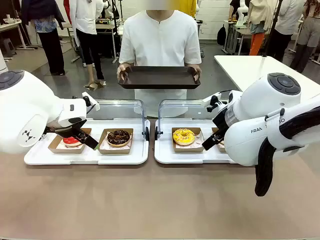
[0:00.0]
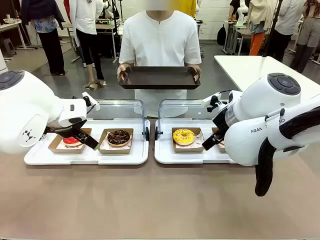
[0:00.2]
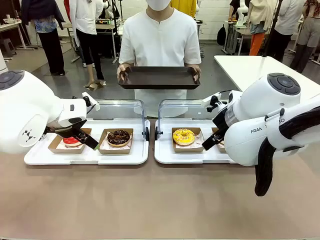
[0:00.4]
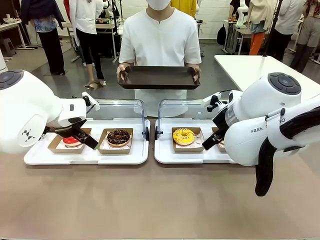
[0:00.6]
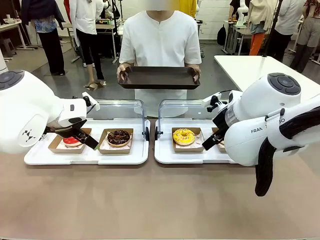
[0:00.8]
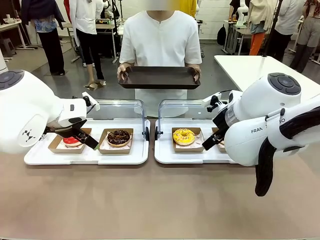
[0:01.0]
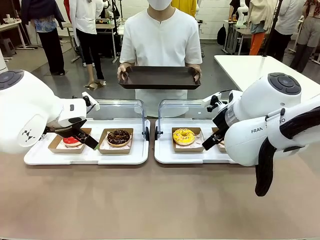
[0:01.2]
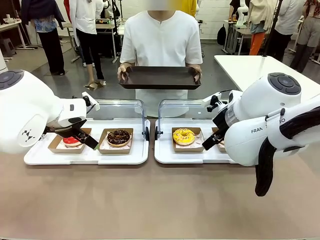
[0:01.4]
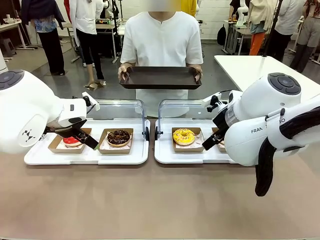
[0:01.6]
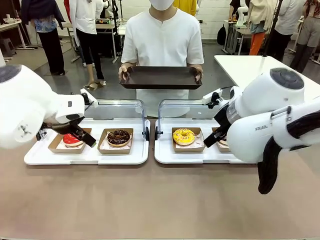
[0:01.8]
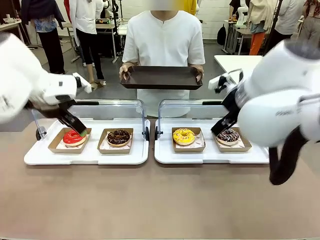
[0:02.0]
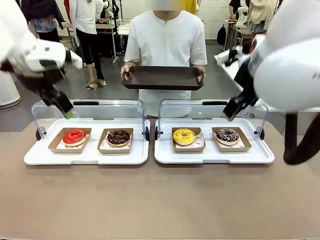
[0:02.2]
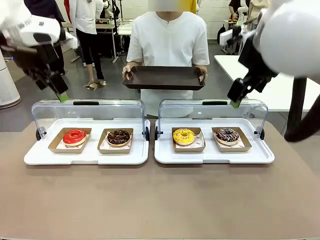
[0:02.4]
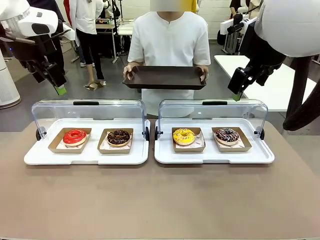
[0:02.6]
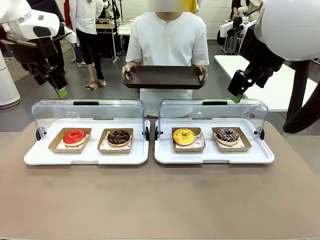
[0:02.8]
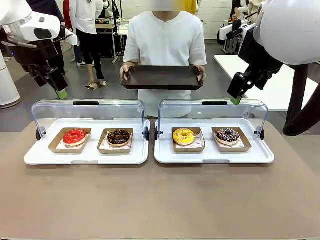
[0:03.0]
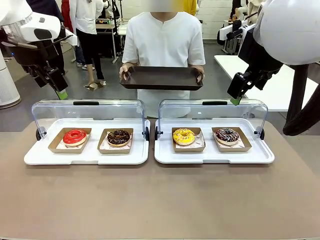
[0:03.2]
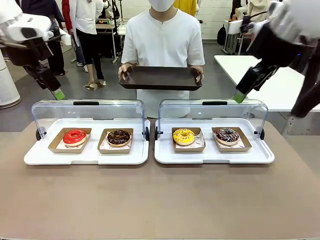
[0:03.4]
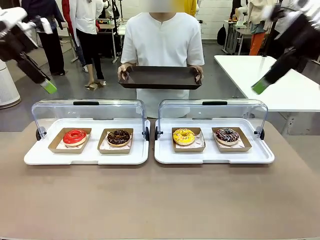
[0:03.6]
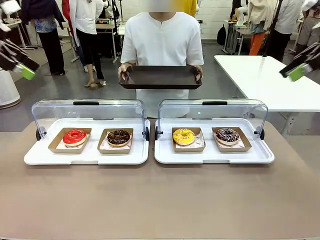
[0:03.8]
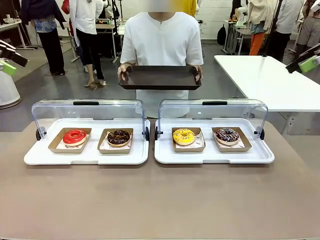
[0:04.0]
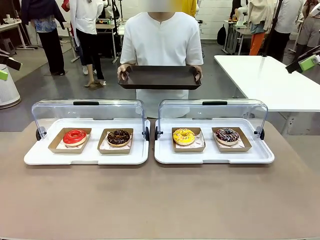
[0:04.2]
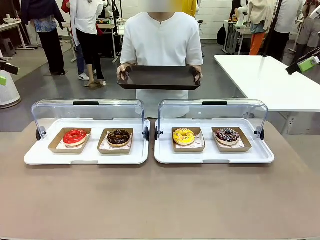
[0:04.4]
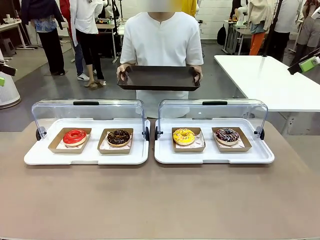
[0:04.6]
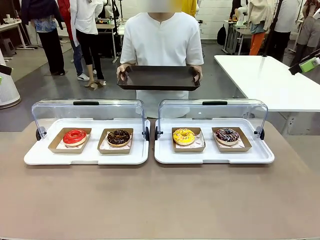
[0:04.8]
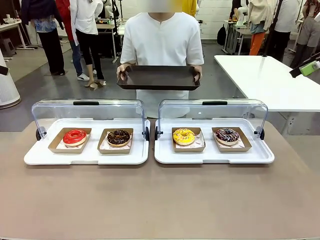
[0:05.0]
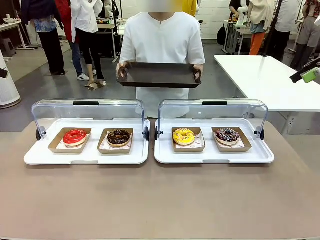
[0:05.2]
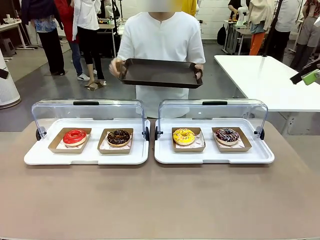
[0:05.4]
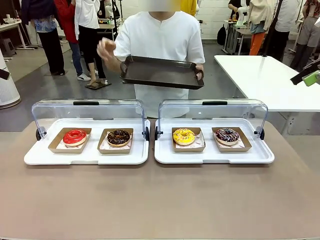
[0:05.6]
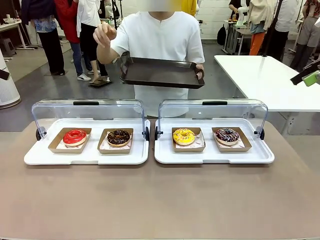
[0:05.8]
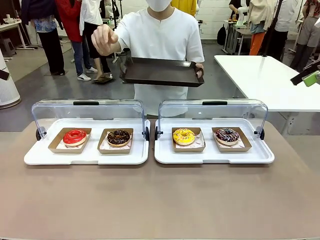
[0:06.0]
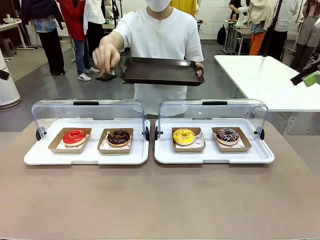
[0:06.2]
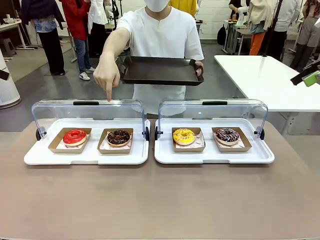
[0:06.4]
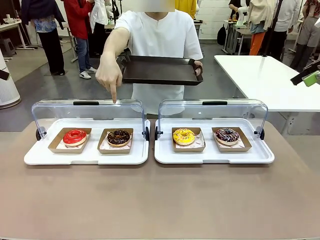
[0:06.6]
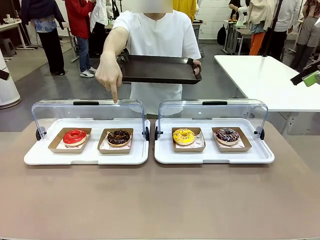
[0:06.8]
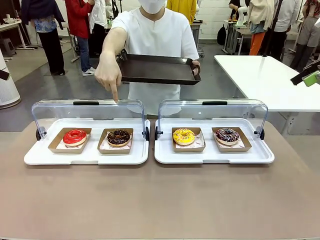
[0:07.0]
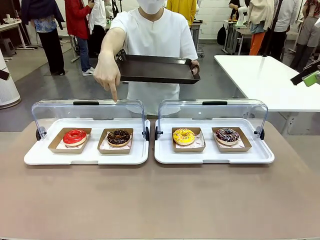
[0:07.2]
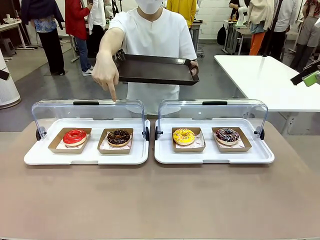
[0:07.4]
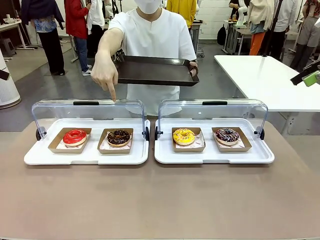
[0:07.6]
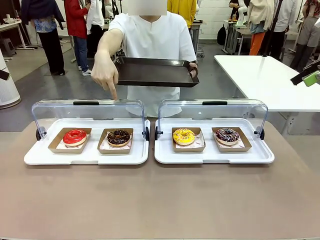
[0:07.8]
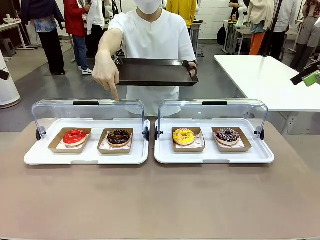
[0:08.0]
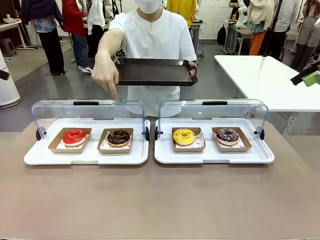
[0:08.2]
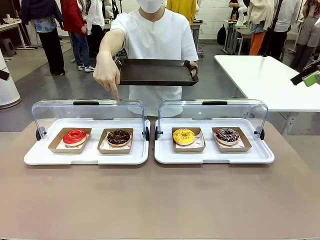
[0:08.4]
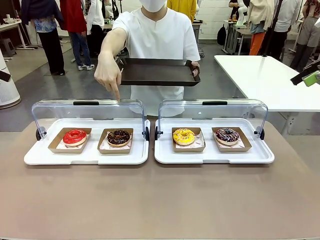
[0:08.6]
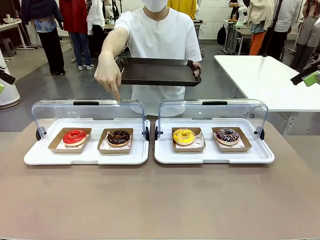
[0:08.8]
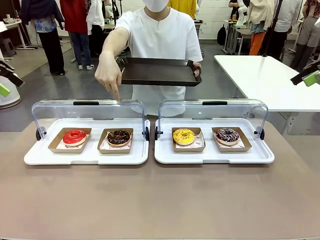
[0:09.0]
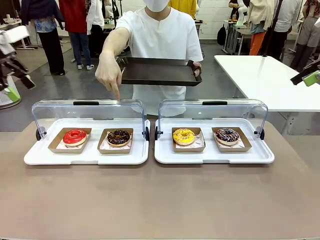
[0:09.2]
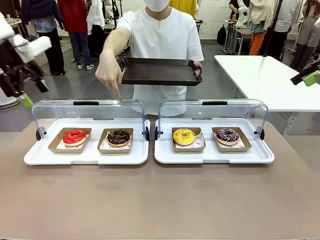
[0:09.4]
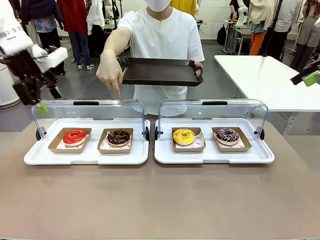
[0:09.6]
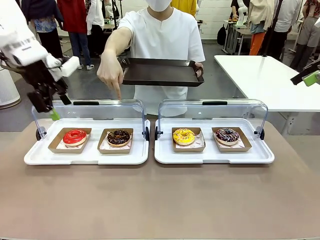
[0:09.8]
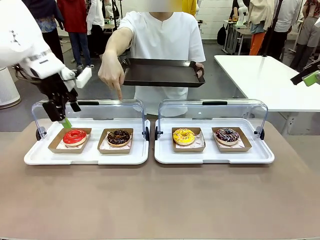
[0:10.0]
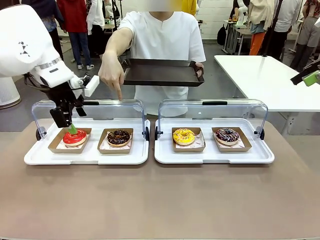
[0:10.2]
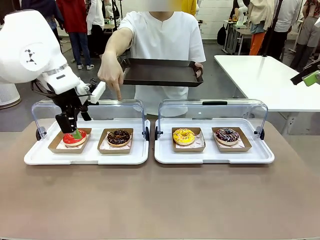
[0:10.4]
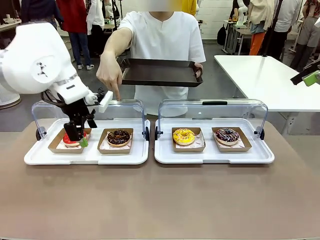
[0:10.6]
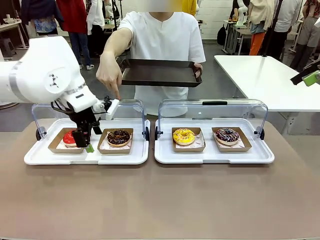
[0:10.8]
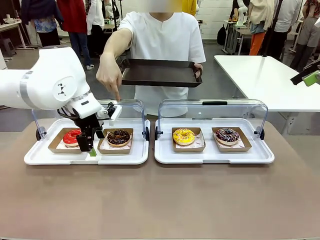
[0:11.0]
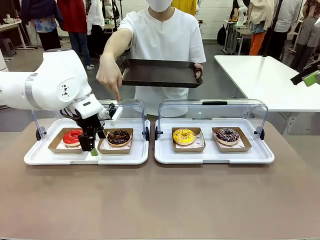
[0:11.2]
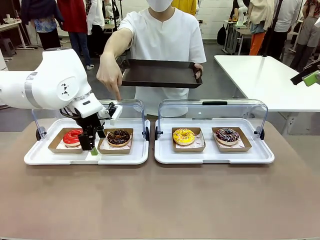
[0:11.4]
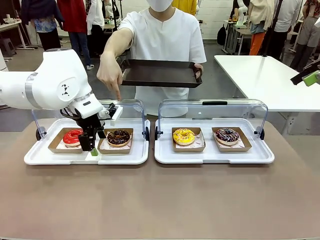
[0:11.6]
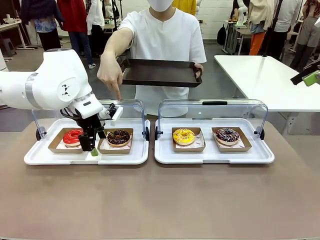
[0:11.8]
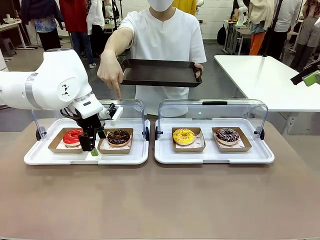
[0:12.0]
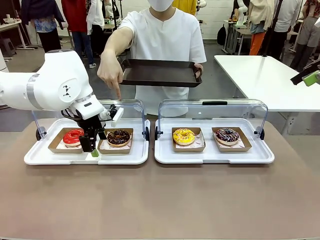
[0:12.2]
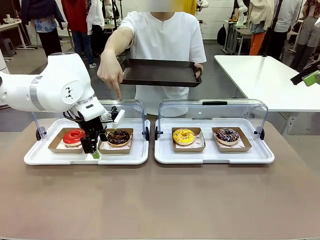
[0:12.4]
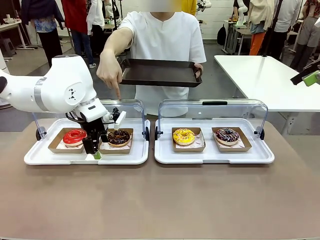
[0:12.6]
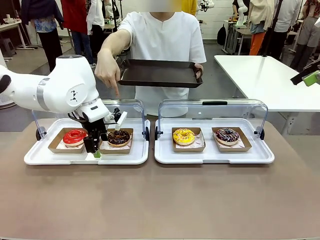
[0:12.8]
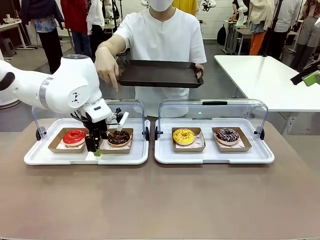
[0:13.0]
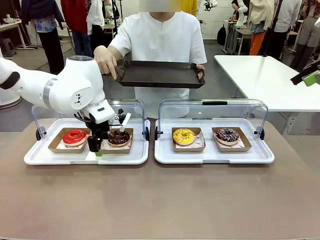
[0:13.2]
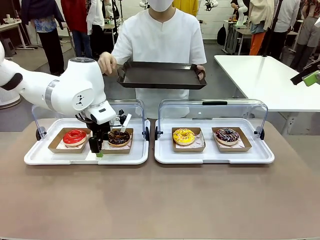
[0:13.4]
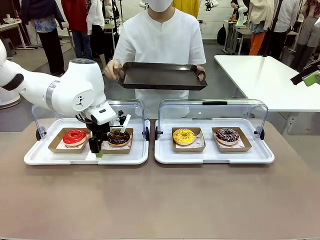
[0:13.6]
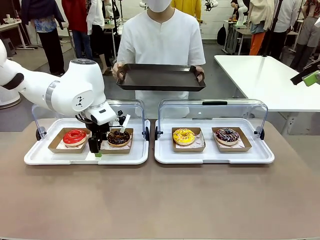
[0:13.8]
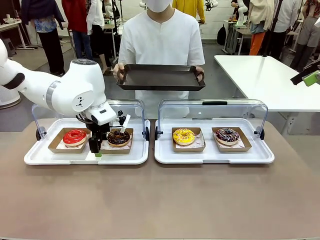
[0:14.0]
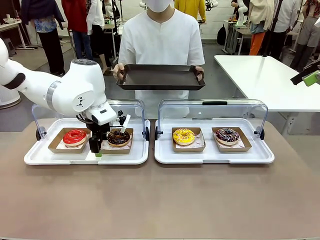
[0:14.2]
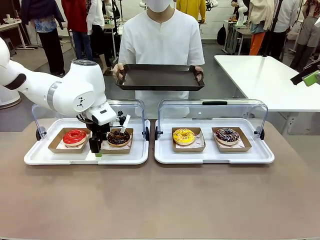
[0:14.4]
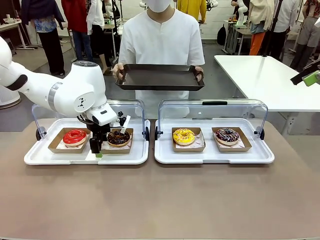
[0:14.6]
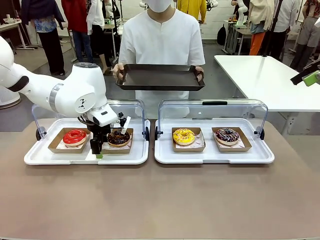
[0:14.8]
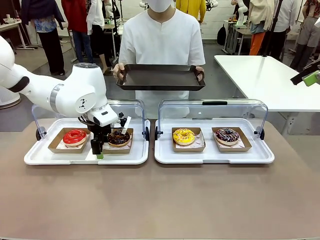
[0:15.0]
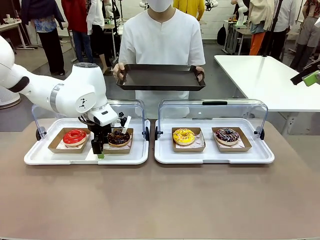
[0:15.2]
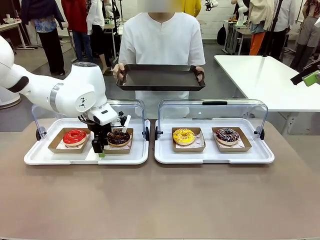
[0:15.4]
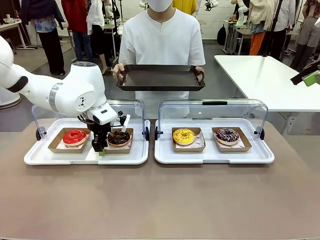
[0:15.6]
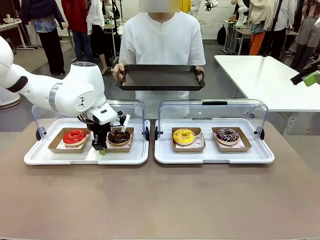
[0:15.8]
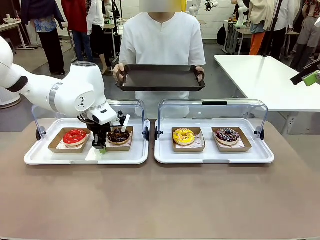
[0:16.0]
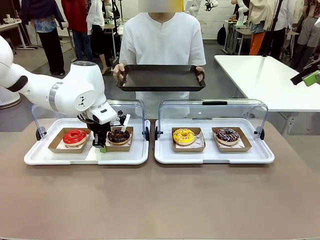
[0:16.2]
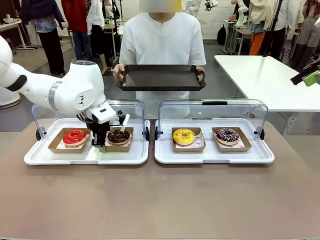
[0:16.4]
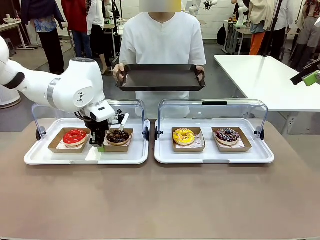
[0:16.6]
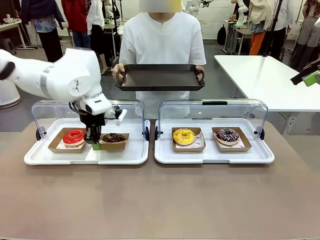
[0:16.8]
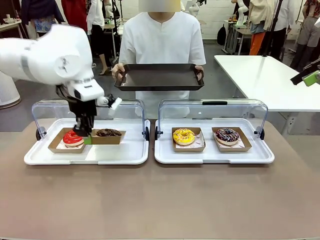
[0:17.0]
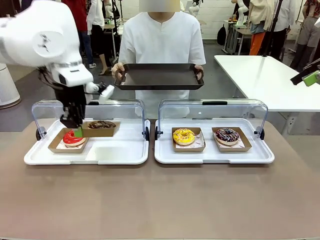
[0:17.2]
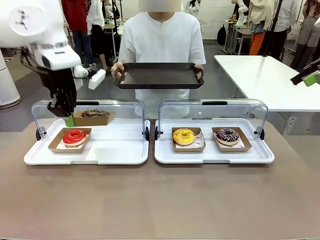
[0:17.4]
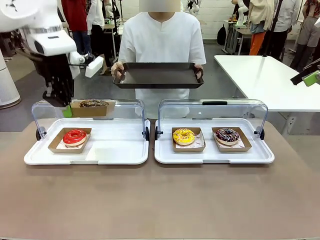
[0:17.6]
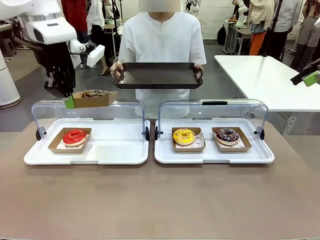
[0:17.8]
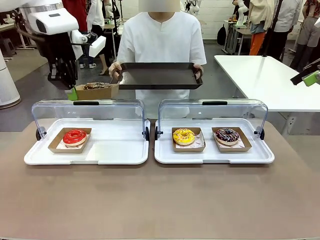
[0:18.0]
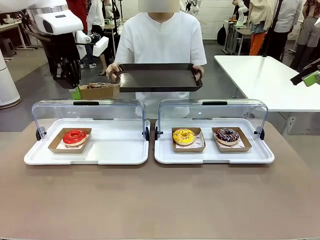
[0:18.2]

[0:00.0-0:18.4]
Task: Provide the desired donut to the person.
Robot: Pick up and lift the Paper togo box containing the Donut pointed at by the person.
Person: Point to one donut. Lift the tray onto the Roll-Top Bakery Case.

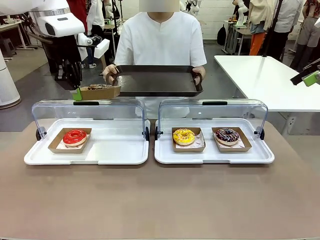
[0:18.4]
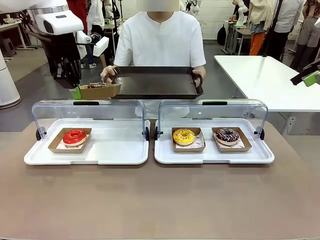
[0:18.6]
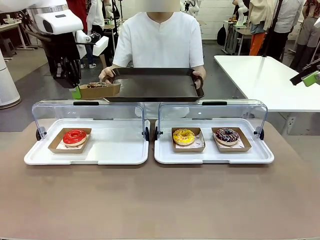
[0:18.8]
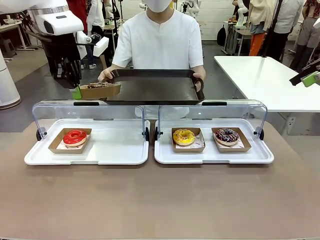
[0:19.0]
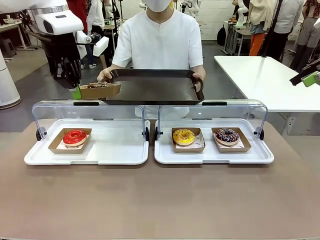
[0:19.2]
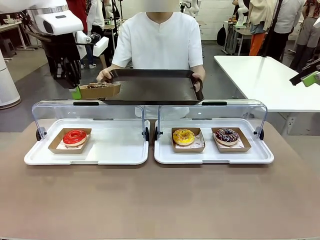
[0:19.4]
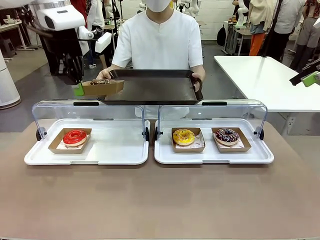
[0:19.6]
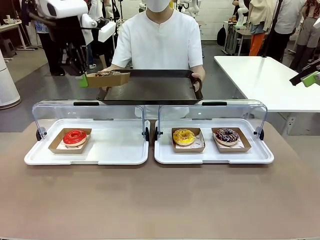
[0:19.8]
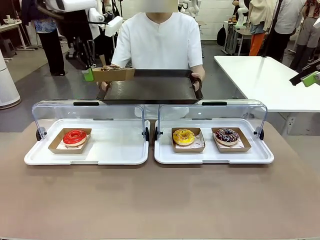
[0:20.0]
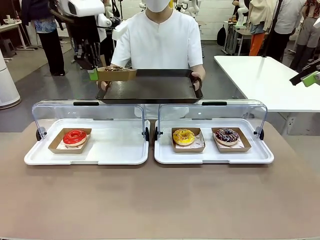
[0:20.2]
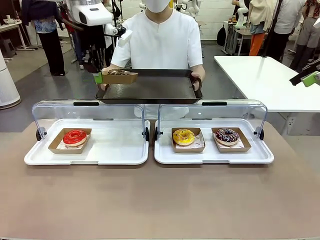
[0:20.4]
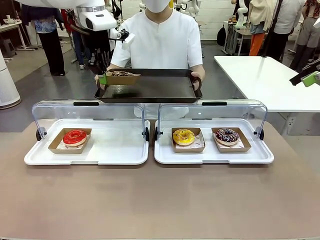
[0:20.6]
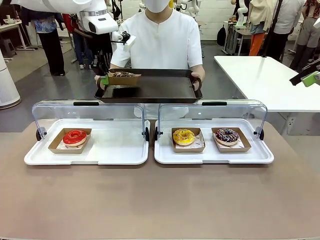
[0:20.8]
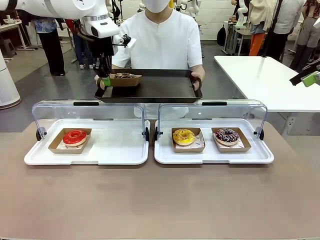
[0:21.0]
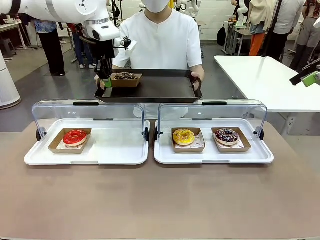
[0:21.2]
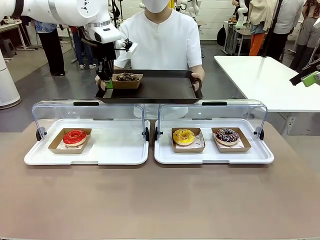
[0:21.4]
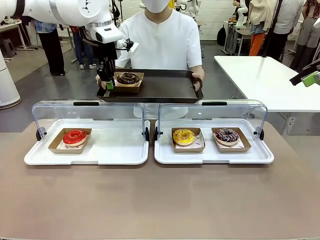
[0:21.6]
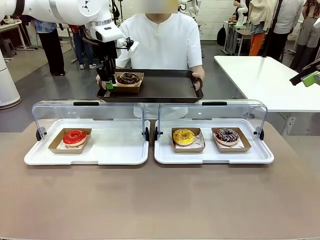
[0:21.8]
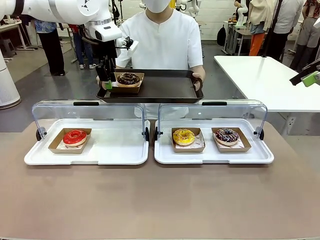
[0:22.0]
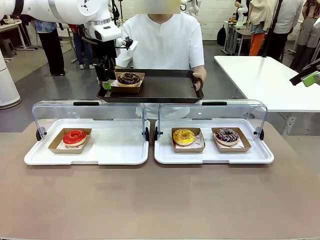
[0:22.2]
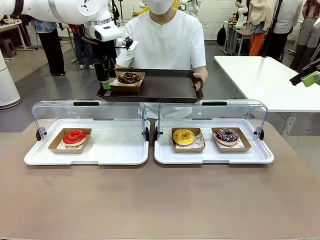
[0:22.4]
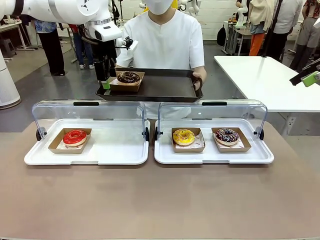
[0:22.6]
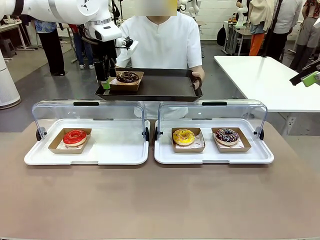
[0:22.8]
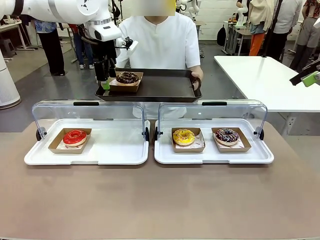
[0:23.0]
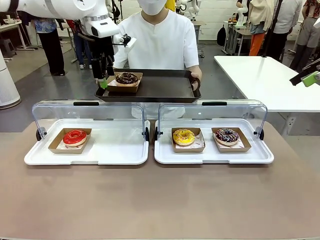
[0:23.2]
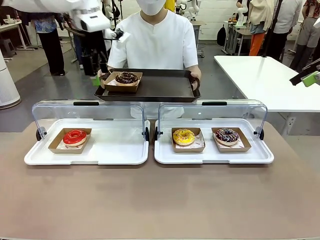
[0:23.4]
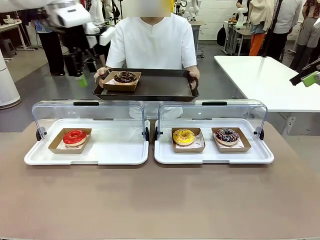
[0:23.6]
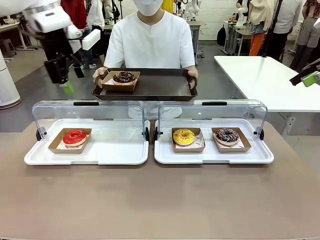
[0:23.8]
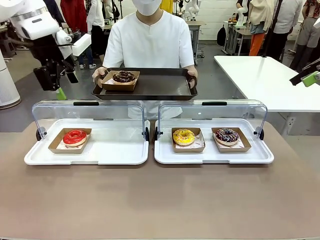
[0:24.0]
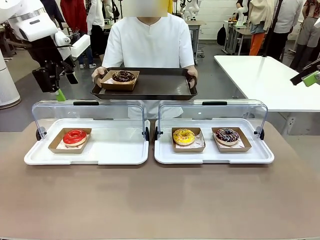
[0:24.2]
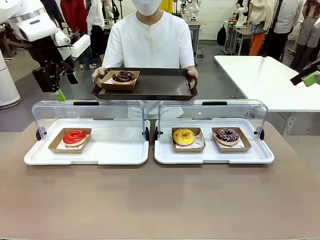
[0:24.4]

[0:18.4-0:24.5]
Robot: Place the picked Paper togo box onto the Handle tray extended by the person.
